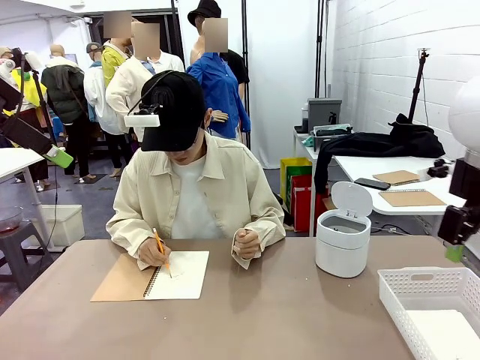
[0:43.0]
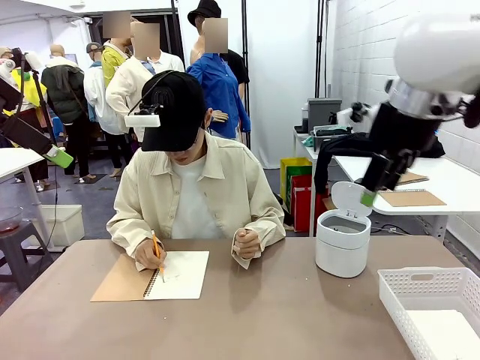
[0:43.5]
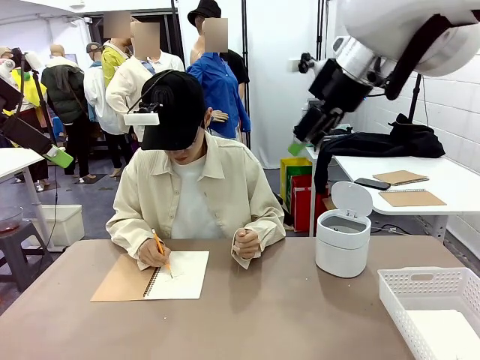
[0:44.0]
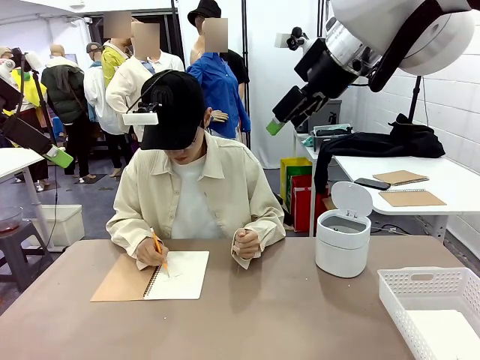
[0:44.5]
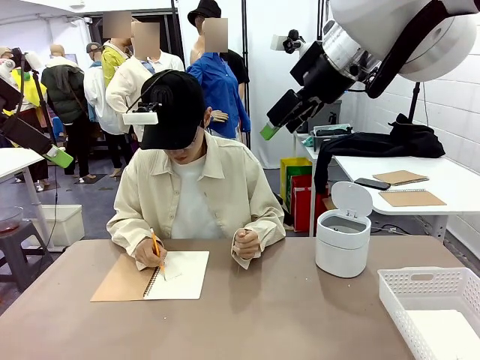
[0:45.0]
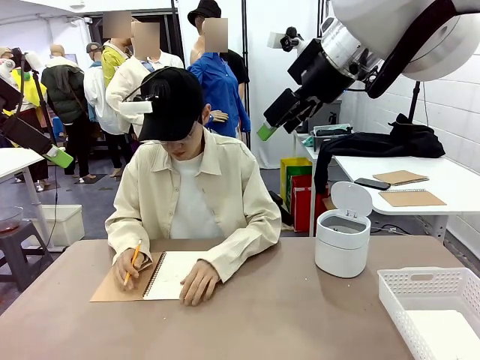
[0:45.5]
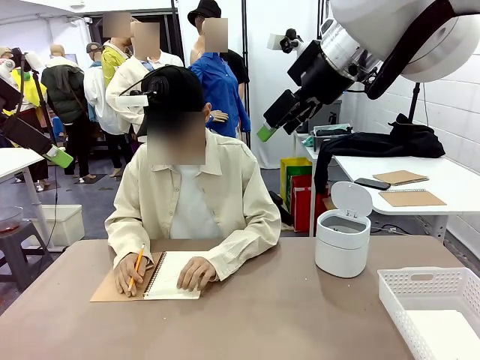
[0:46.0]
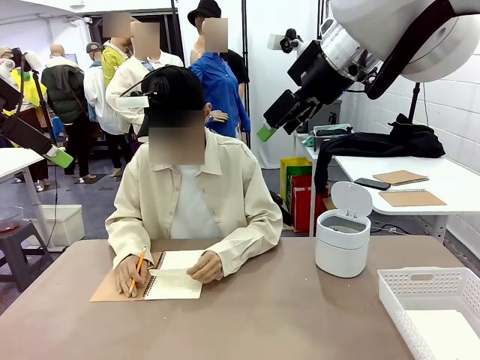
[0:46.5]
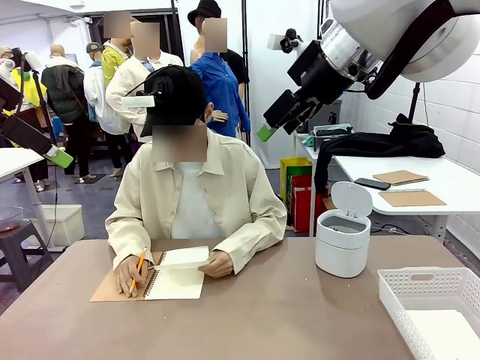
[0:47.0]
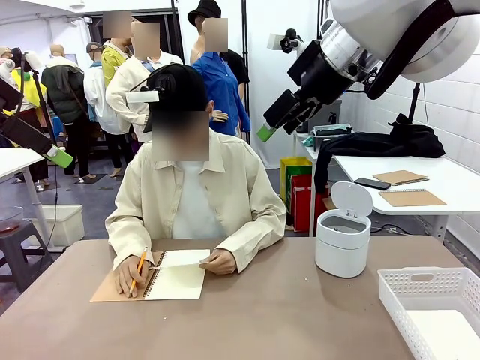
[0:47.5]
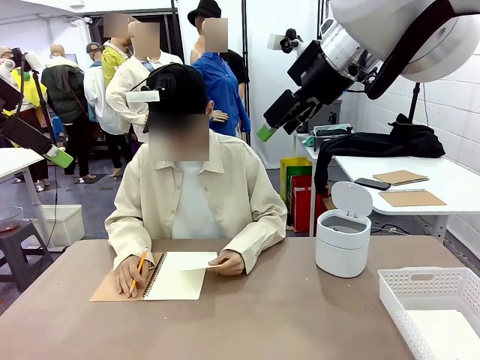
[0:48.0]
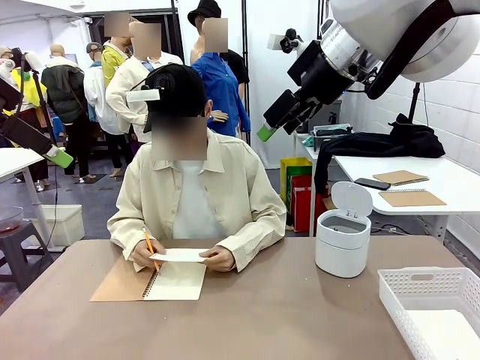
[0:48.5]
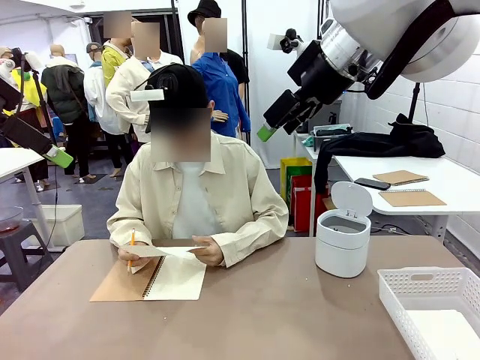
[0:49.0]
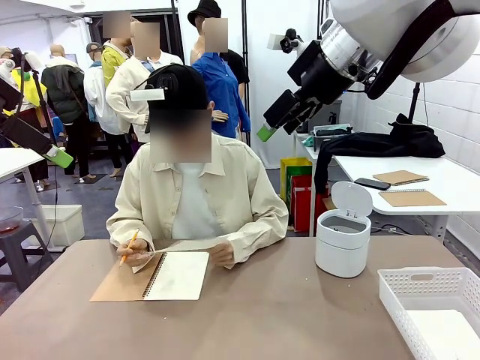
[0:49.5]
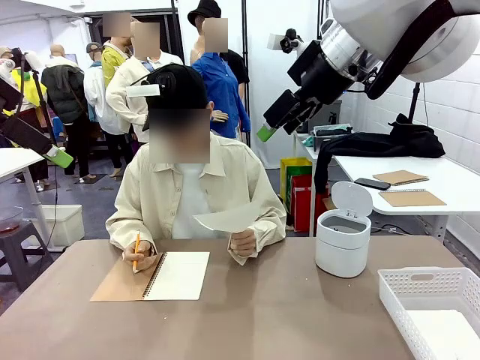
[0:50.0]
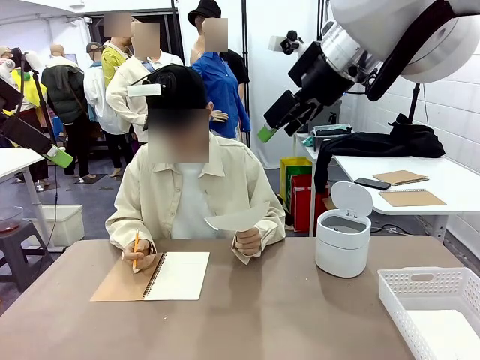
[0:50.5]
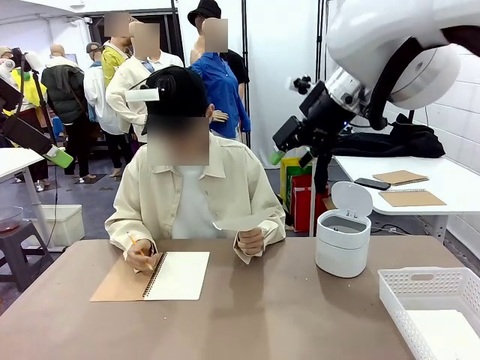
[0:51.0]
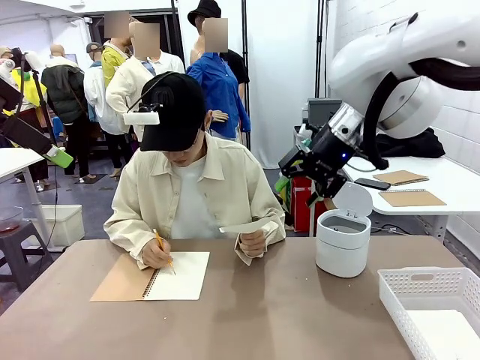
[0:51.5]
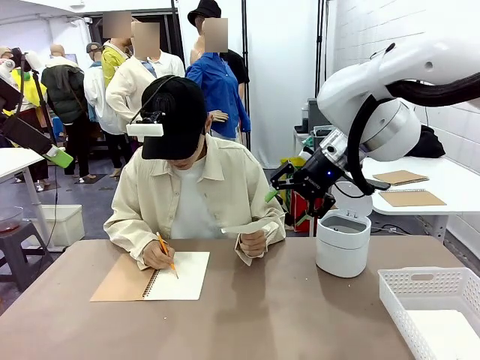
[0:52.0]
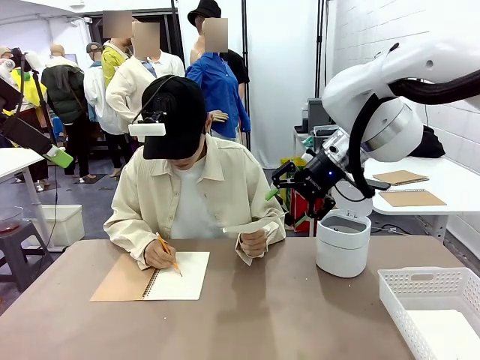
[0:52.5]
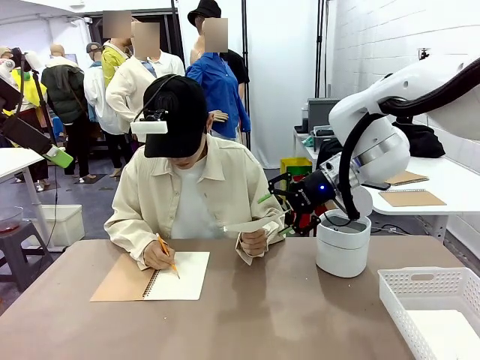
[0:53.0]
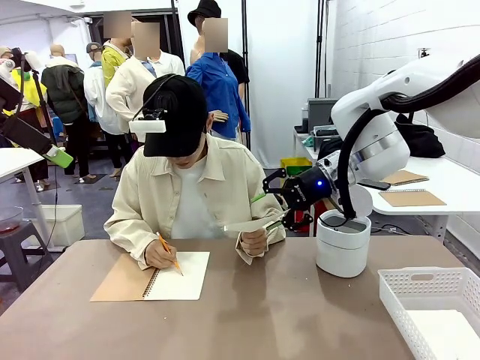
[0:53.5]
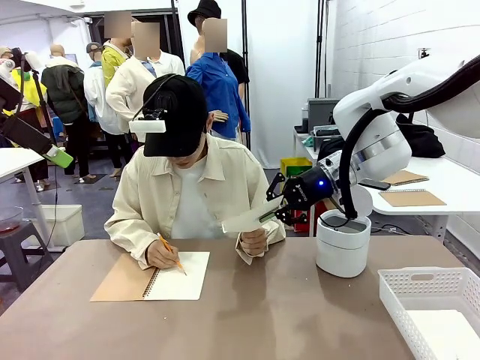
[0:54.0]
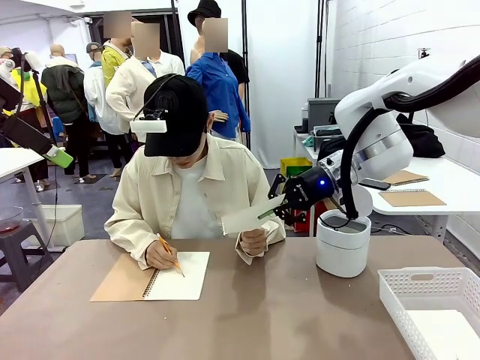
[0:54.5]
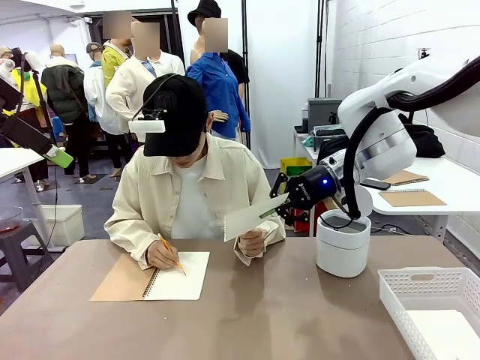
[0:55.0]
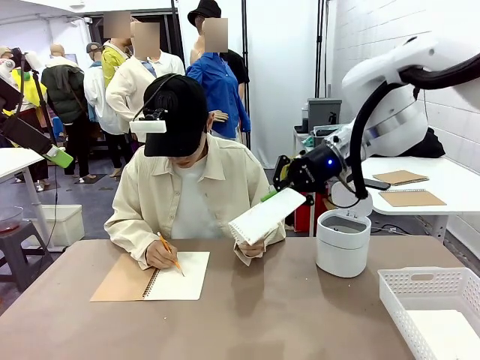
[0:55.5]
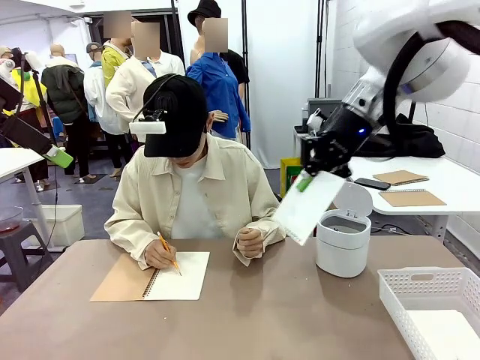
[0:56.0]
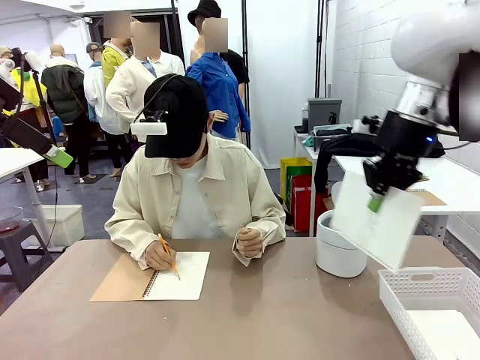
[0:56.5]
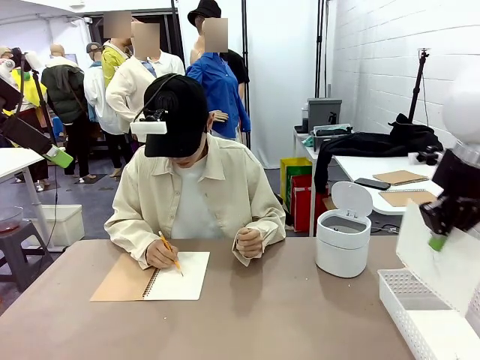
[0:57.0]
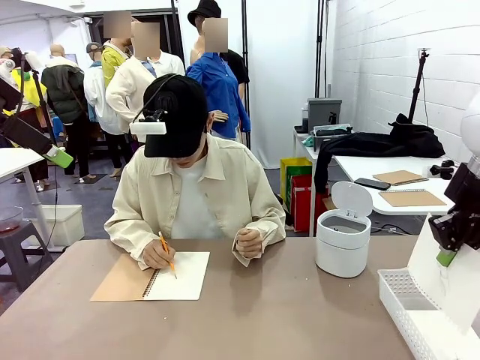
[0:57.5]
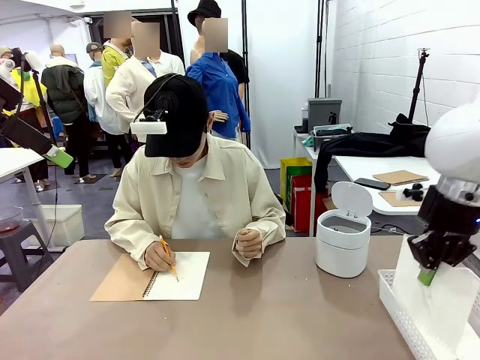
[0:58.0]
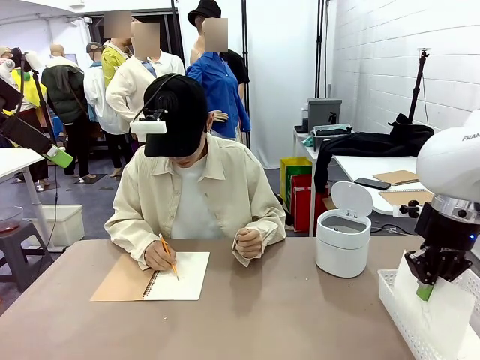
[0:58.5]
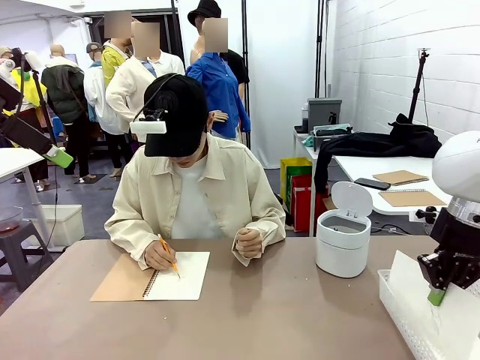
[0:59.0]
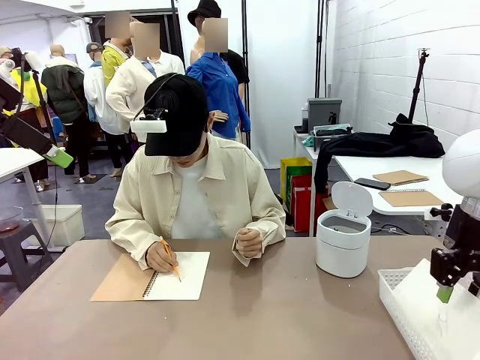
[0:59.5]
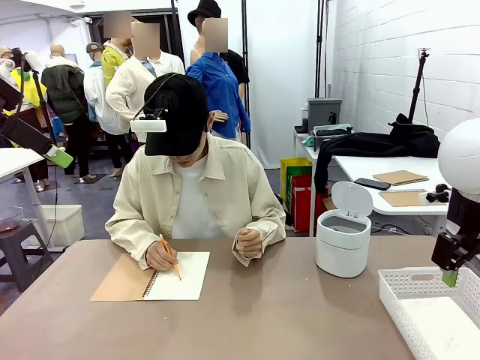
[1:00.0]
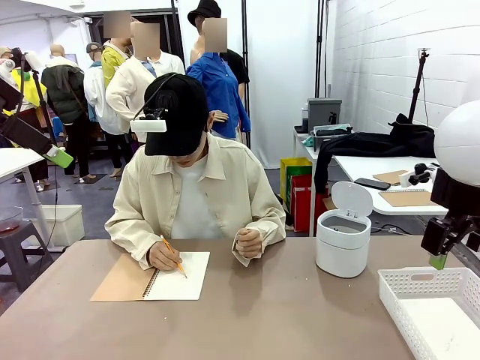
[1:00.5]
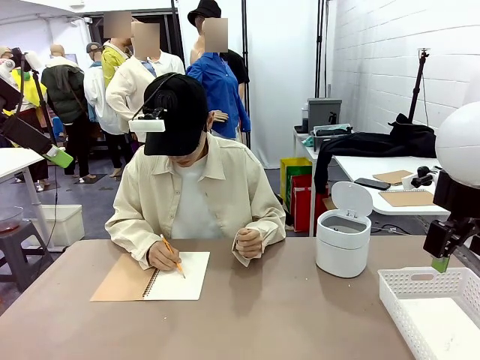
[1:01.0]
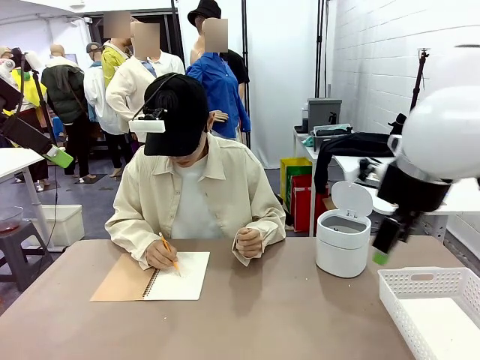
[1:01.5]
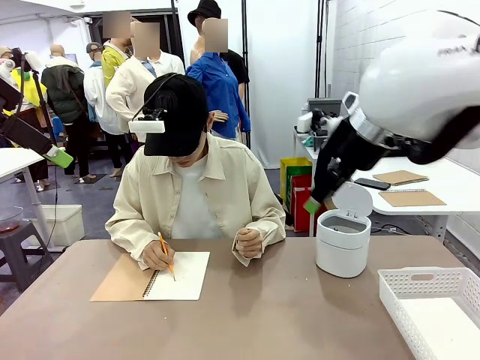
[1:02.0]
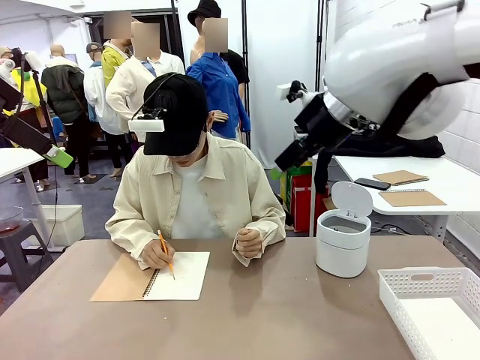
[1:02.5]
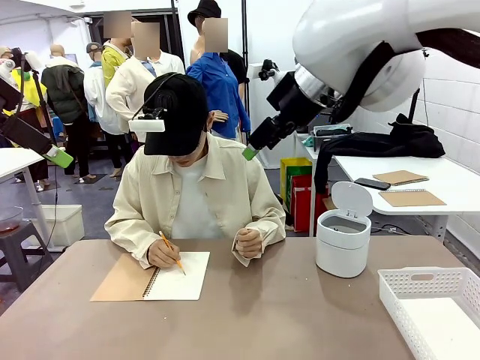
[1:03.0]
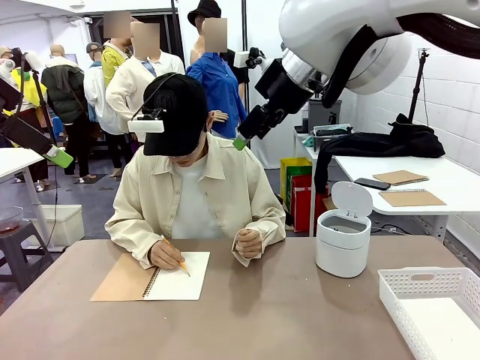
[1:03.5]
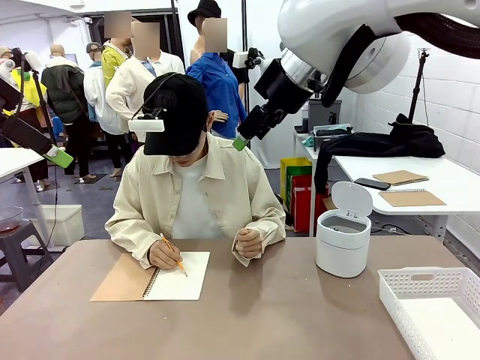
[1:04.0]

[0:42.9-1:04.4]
Task: Sort the paper based on its condition.
Robot: If a person hands you a paper, place it in the Organizing basket , and if it's crumpled, put it in the Trash can.
Person: Hand the torn page to the robot or crumple it and throw it to the center of the table.
